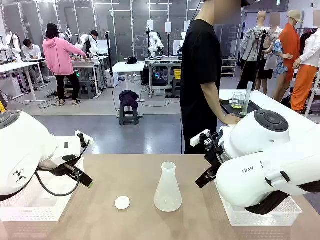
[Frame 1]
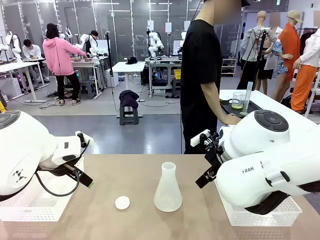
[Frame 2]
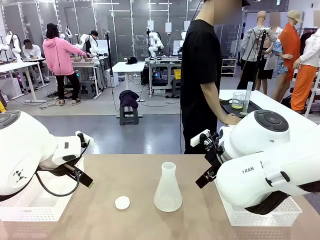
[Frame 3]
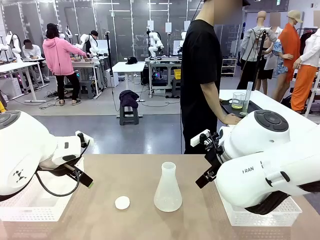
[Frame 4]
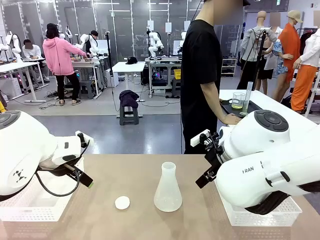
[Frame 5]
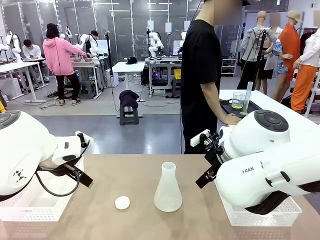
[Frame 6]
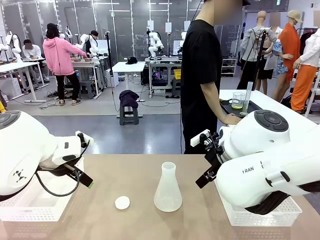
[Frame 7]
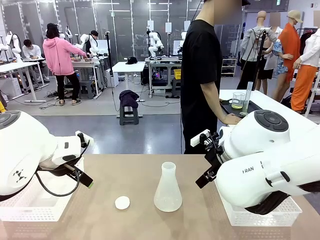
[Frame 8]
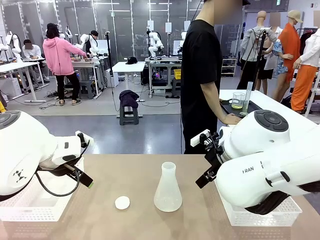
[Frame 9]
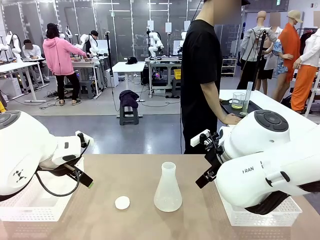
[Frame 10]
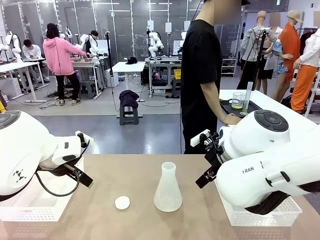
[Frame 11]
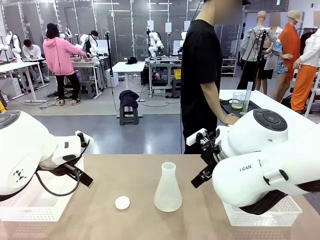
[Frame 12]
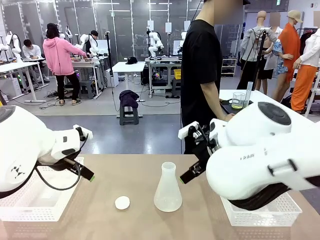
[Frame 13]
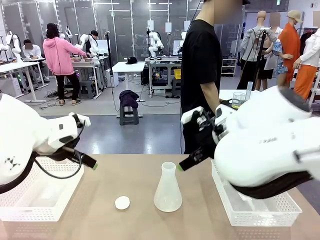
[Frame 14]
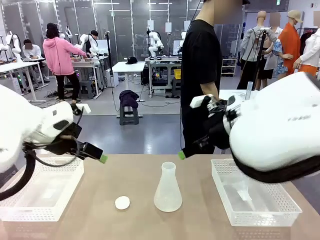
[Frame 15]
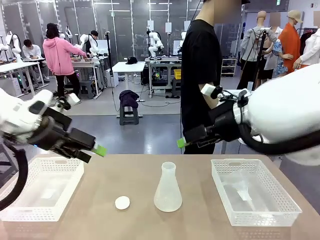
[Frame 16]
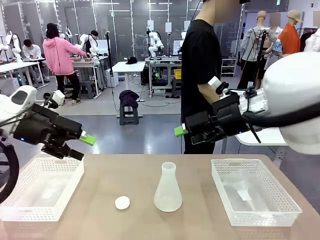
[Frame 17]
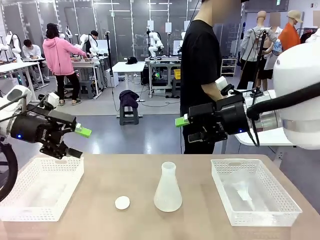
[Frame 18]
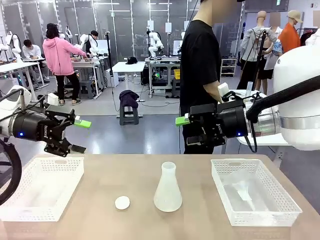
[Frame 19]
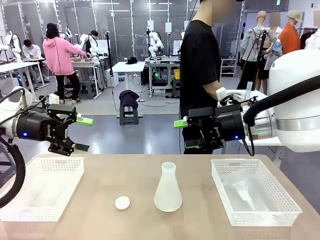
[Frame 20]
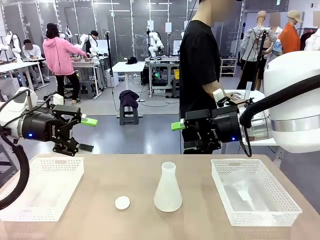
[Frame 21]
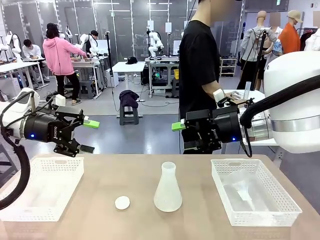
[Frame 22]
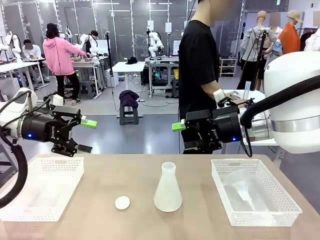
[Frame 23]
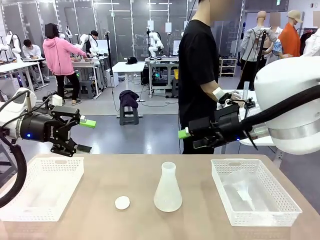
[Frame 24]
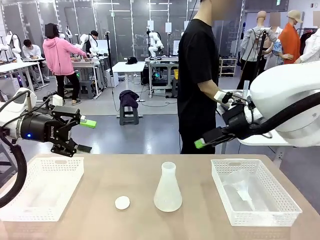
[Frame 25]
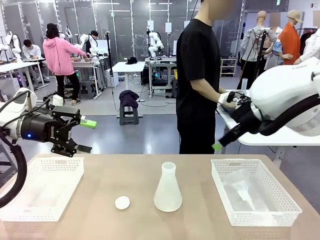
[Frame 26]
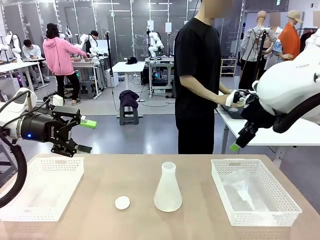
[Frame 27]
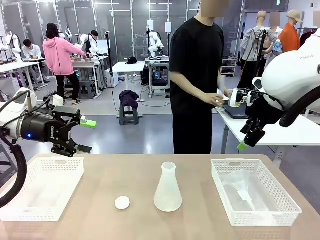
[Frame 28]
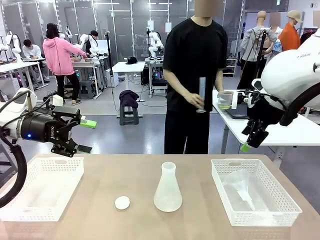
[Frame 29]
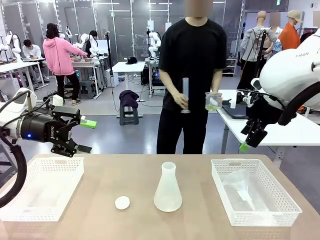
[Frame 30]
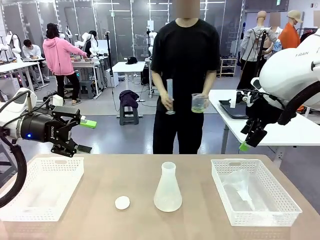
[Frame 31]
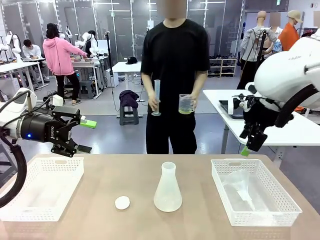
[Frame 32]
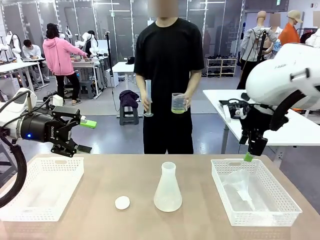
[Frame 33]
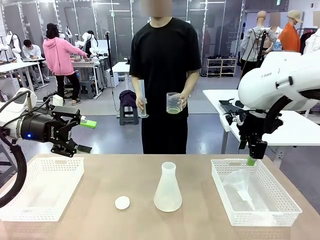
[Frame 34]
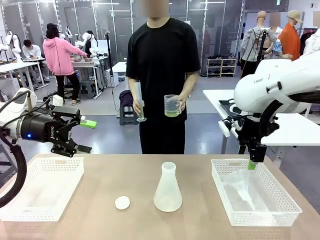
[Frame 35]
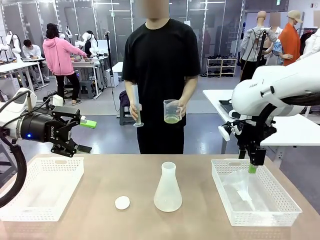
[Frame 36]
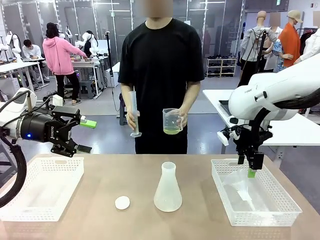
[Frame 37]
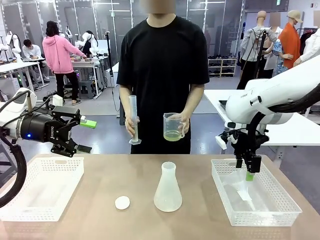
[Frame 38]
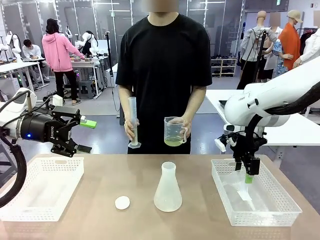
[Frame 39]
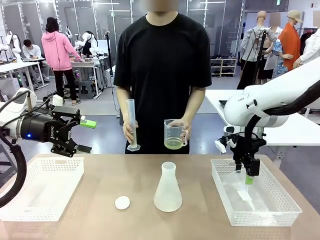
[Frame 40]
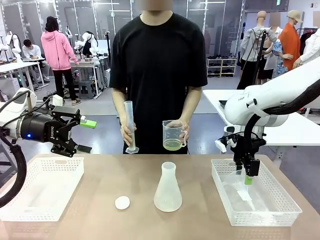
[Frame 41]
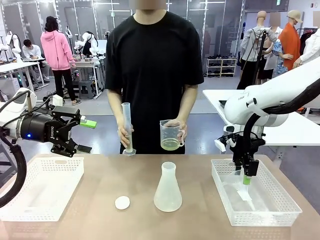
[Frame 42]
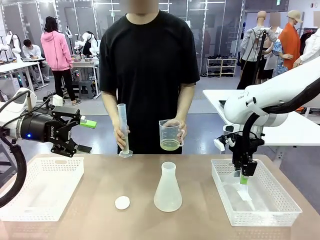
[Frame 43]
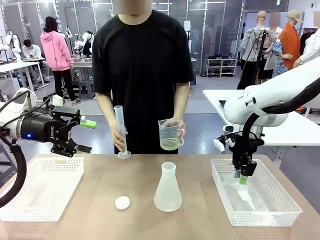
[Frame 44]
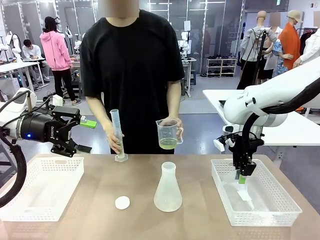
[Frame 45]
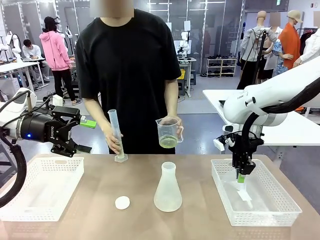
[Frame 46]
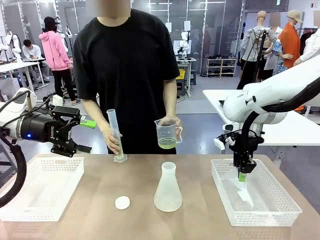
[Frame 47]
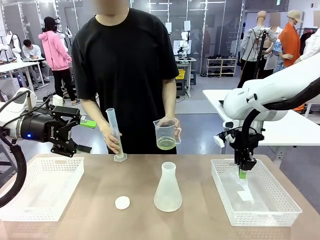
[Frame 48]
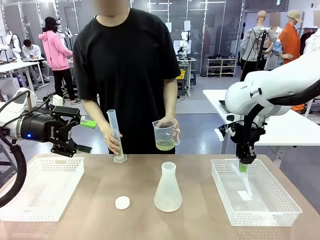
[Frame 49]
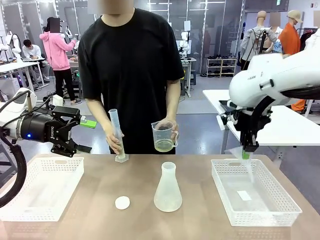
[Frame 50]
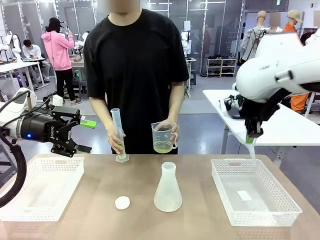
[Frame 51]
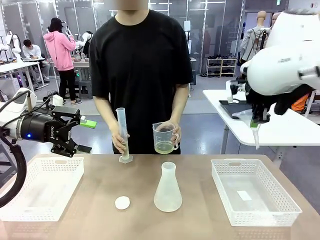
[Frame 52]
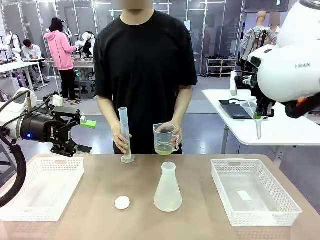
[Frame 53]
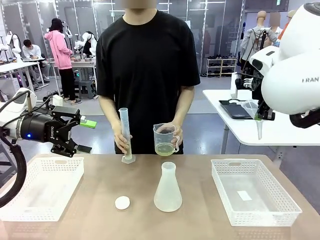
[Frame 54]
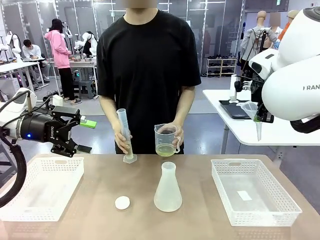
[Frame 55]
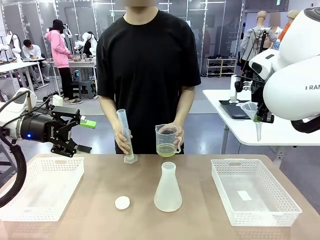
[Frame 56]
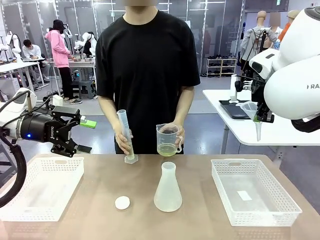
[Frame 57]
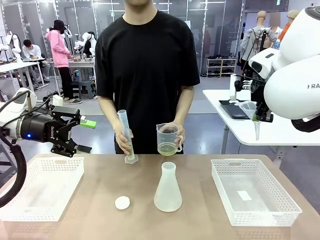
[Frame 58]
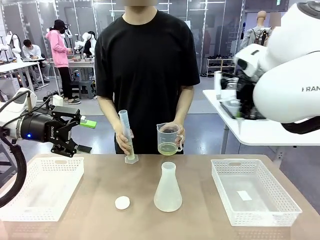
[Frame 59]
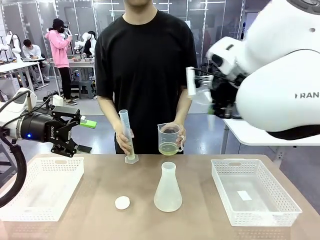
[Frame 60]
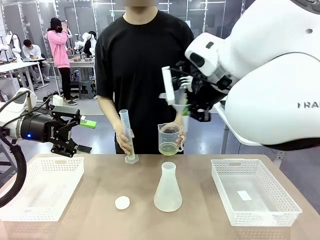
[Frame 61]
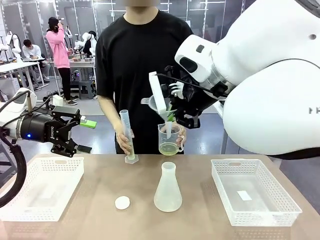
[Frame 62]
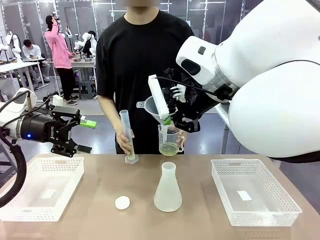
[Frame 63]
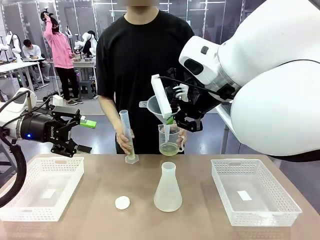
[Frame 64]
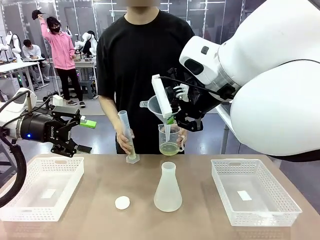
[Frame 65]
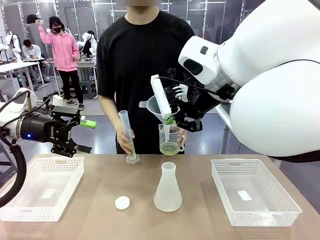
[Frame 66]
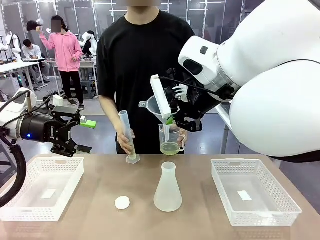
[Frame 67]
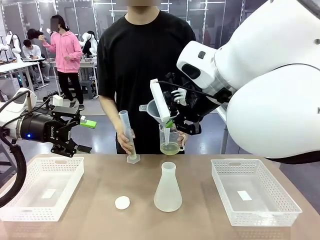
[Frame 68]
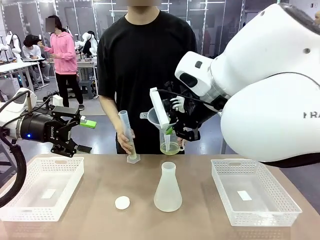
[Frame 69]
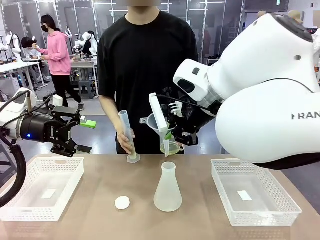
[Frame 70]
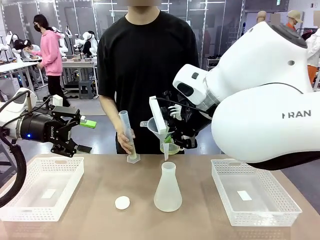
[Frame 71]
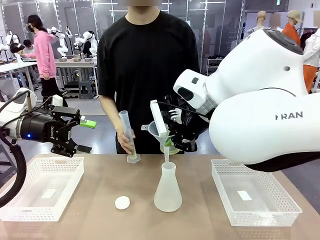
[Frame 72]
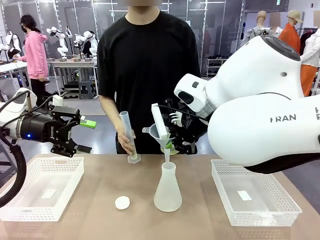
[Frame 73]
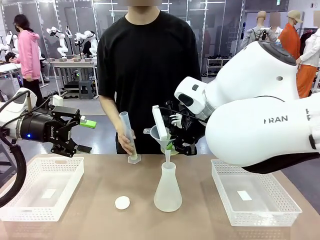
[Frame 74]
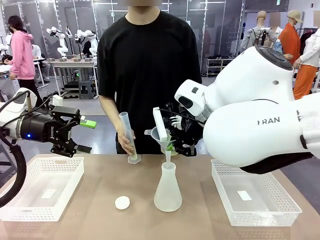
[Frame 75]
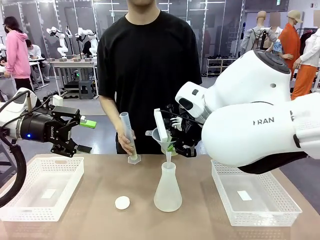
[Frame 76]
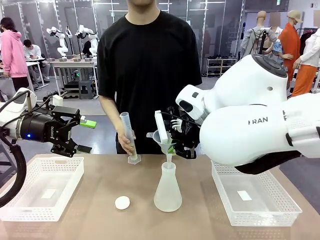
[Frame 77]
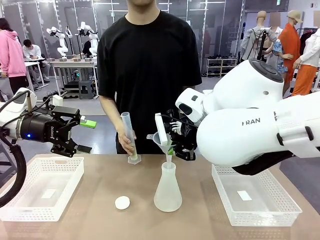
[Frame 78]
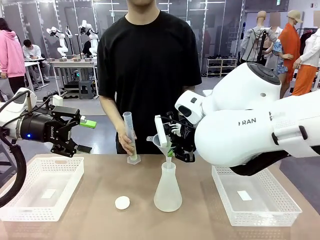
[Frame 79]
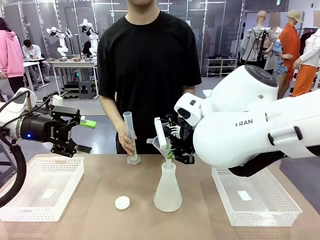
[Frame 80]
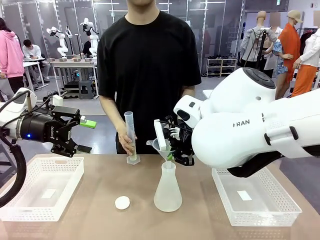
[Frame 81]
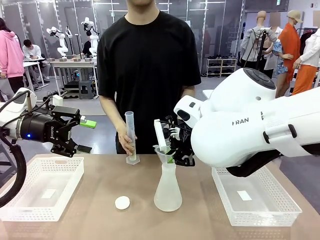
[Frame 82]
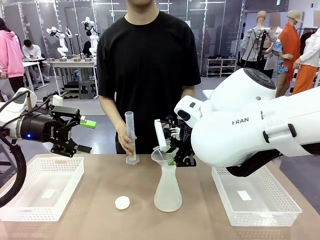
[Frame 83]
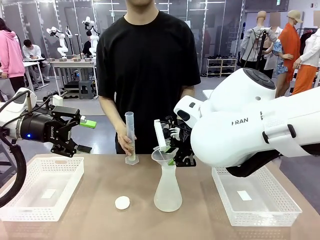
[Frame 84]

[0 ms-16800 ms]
Task: Prepare the solutions needed for the experiment.
Robot: Pick up the Plastic Funnel and insert it into the Big flask.
Person: Pick up the beaker and the cylinder and move to the middle of the robot table. Pour the solution from the beaker and the cylinder into the flask.
